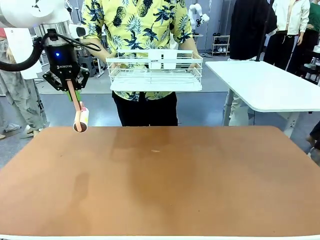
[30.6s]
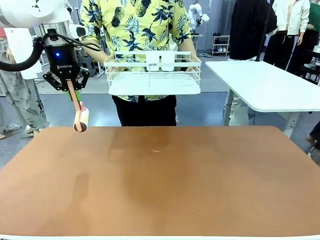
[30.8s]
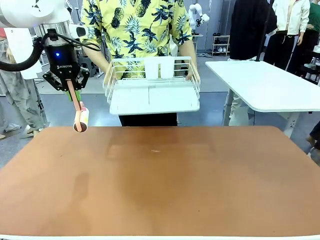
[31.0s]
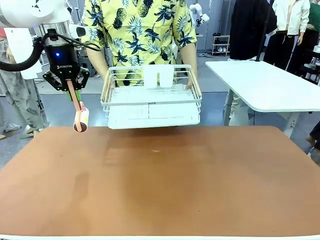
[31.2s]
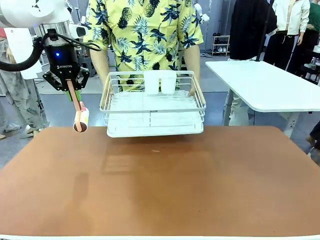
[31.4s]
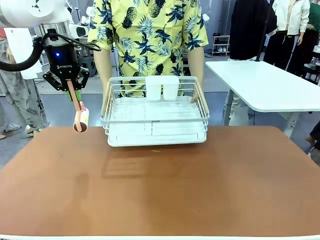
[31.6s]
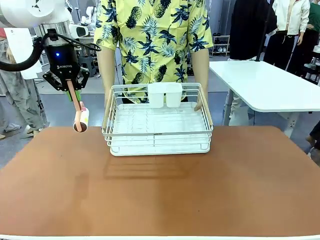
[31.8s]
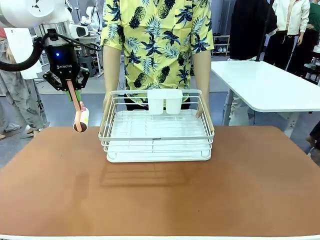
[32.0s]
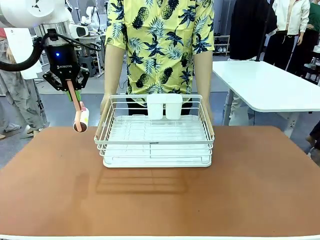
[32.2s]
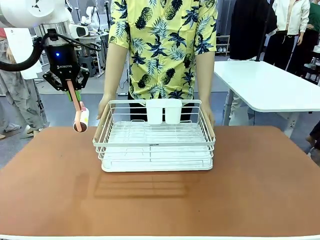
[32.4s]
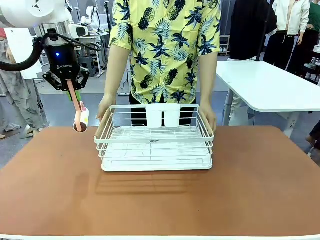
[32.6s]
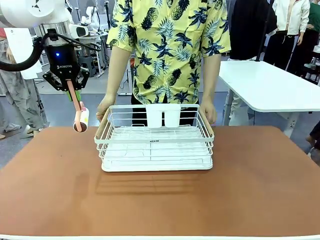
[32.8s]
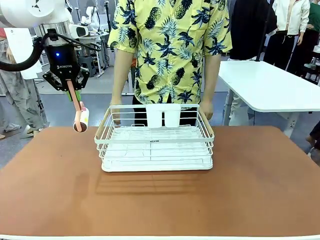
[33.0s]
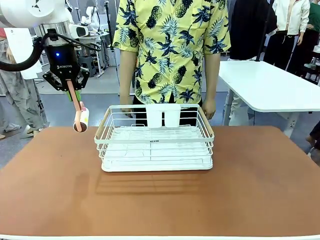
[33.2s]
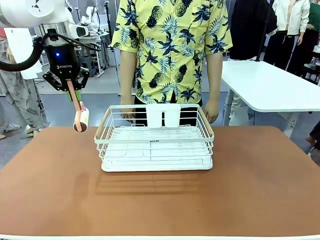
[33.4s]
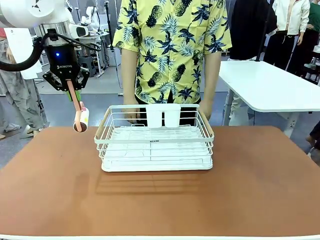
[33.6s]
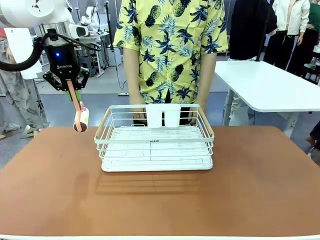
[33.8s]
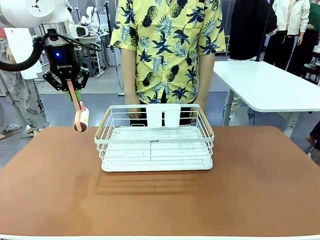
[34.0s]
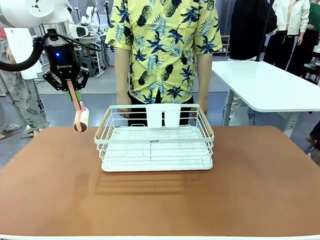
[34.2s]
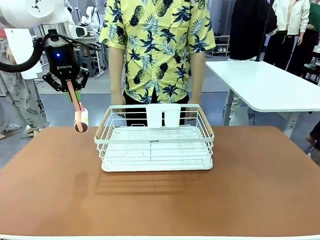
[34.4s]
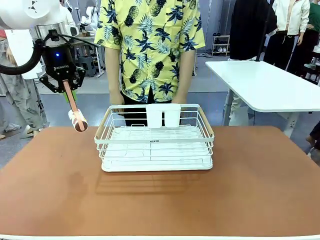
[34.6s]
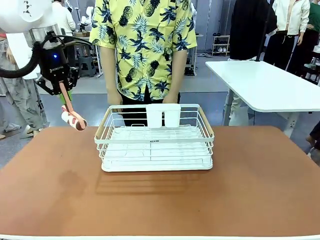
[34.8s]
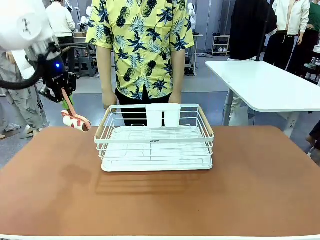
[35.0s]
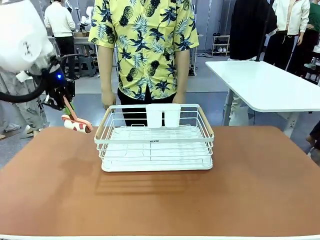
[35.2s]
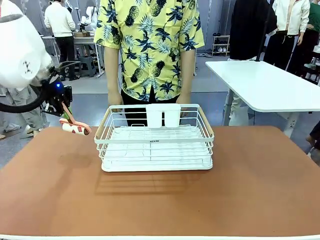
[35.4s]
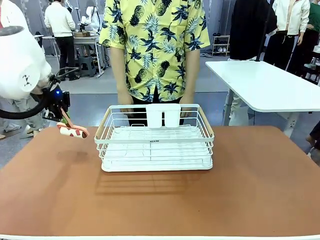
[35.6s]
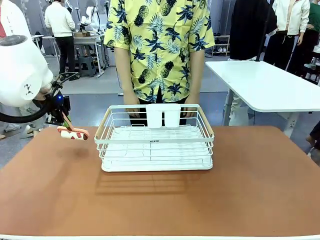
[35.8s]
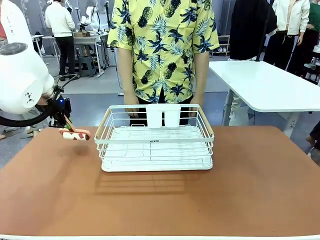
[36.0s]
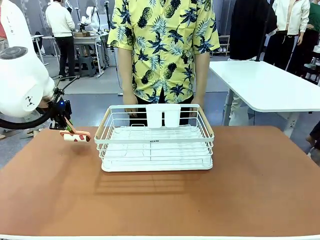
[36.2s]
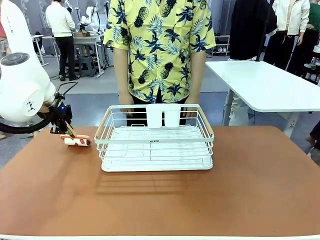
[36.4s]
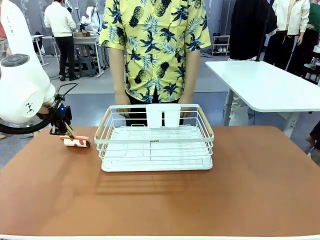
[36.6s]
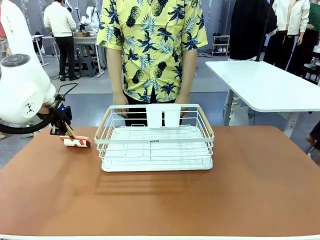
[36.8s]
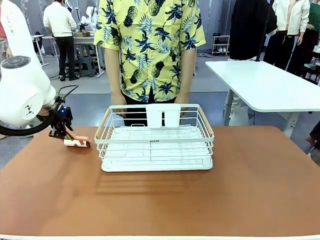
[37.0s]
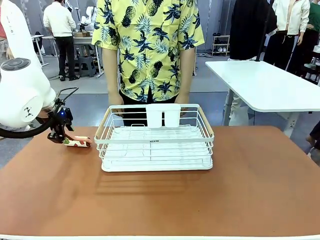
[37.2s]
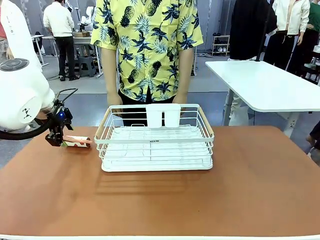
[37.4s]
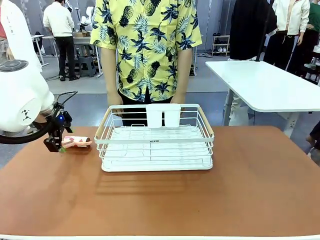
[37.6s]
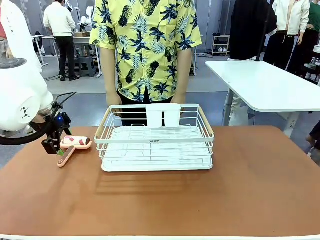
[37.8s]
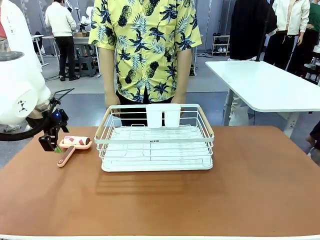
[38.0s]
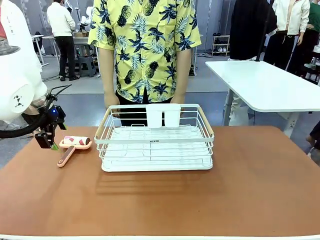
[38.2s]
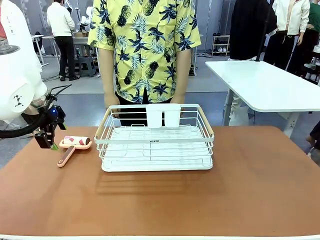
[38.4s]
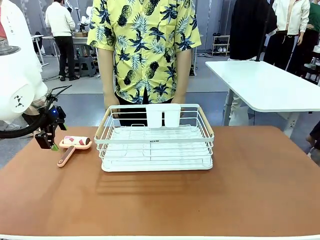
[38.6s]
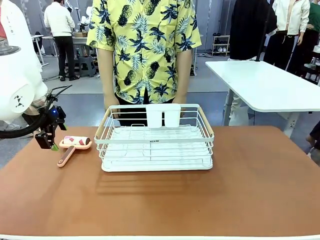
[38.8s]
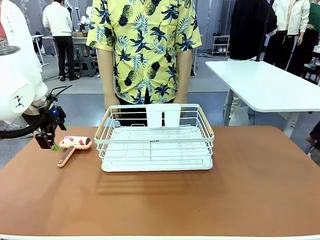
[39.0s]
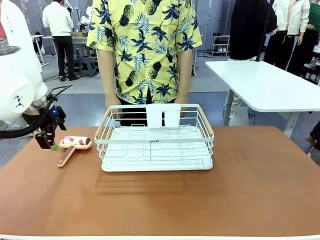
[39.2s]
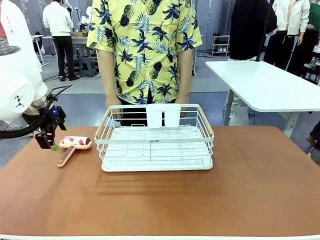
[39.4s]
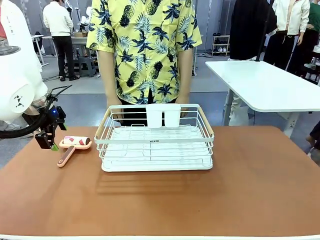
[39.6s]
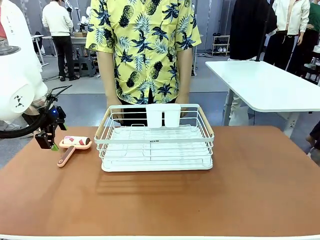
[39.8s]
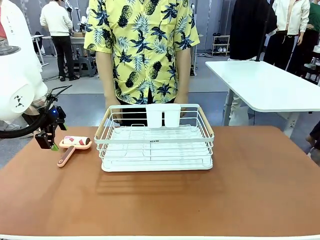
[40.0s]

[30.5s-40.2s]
Task: Clean the table.
Robot: Place the Lint Roller down when the Dish drying rack is positioned in the middle of the table.

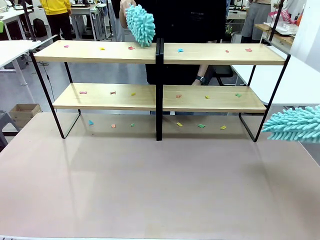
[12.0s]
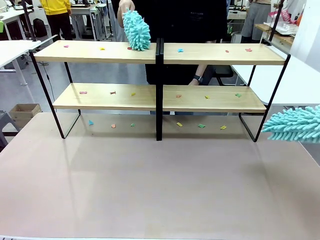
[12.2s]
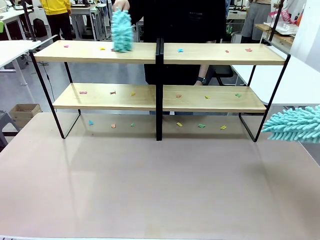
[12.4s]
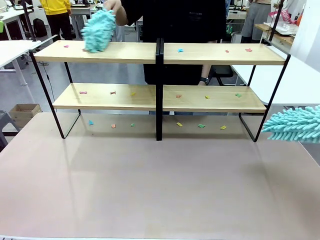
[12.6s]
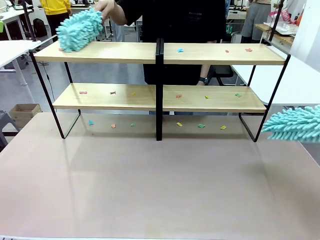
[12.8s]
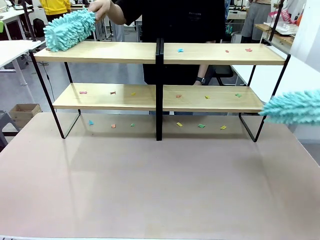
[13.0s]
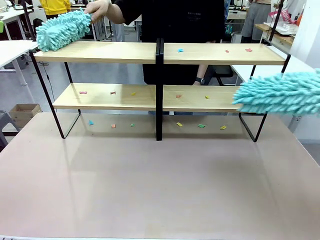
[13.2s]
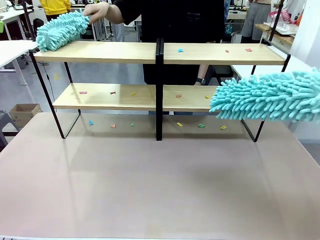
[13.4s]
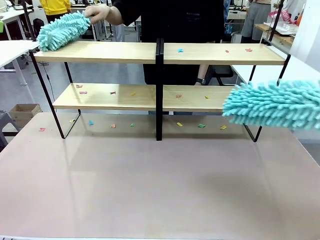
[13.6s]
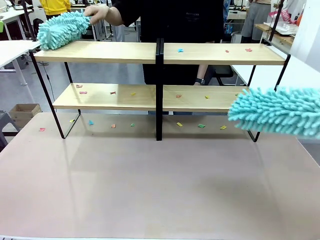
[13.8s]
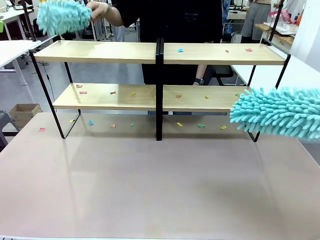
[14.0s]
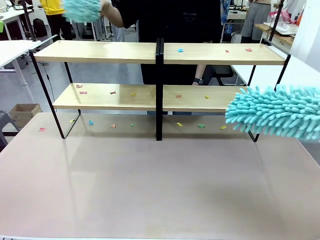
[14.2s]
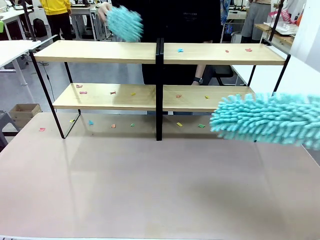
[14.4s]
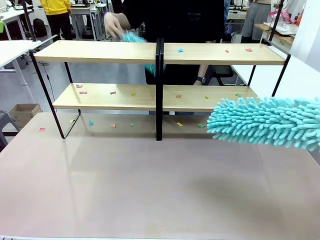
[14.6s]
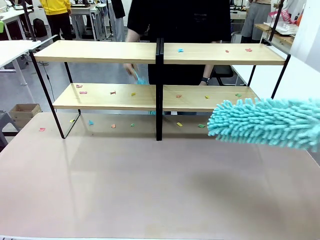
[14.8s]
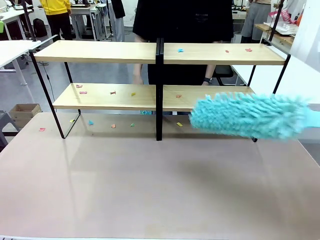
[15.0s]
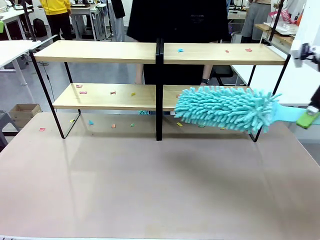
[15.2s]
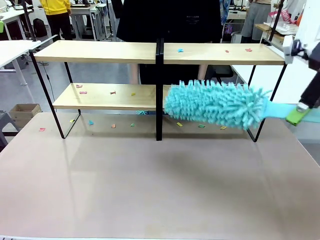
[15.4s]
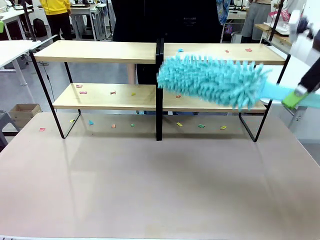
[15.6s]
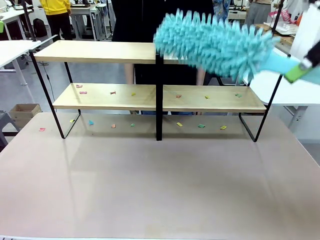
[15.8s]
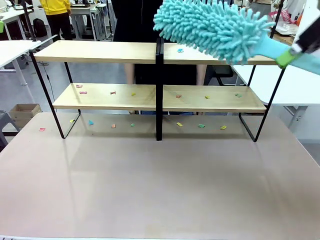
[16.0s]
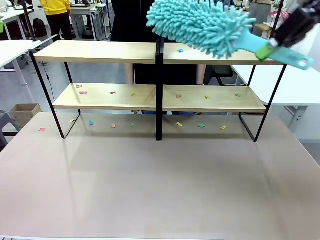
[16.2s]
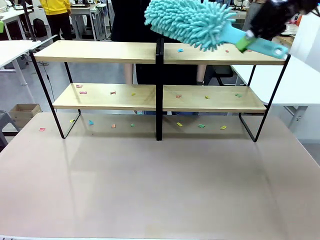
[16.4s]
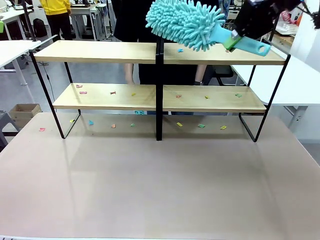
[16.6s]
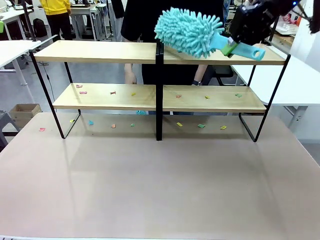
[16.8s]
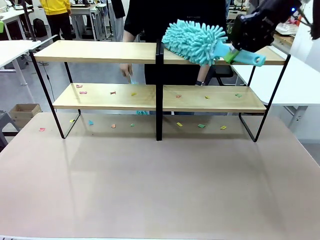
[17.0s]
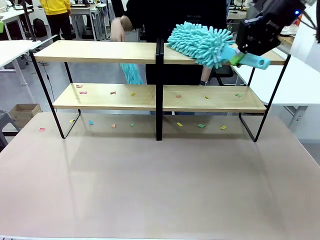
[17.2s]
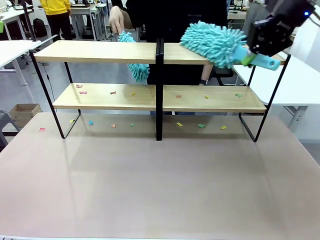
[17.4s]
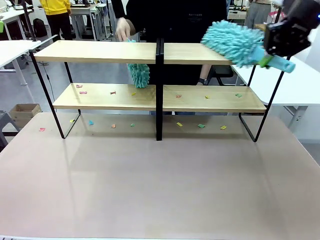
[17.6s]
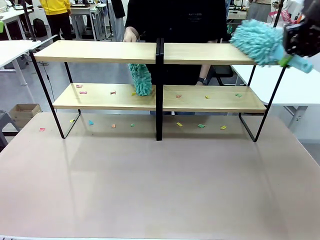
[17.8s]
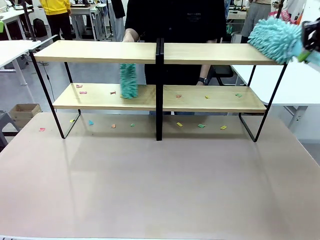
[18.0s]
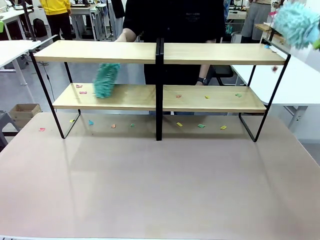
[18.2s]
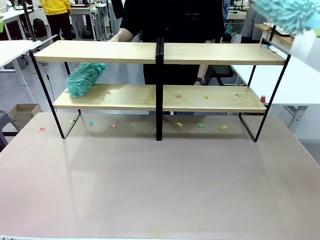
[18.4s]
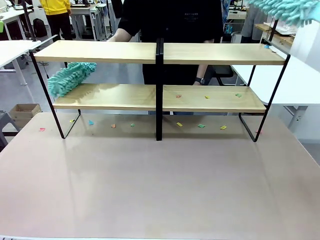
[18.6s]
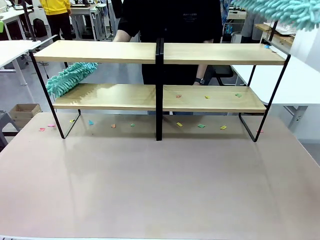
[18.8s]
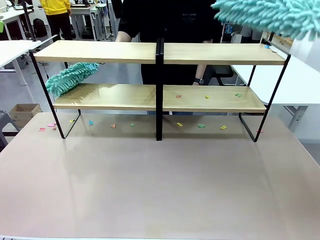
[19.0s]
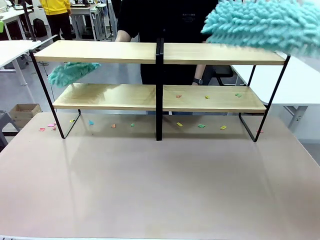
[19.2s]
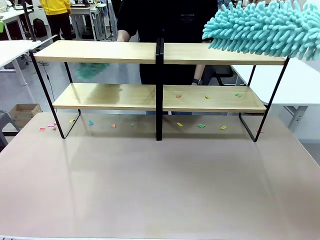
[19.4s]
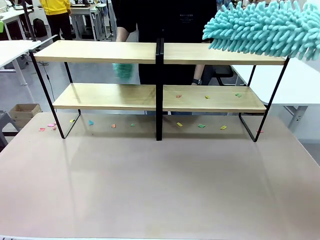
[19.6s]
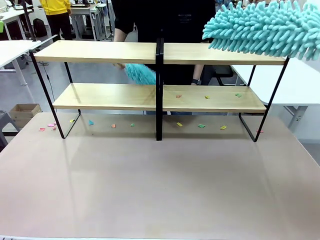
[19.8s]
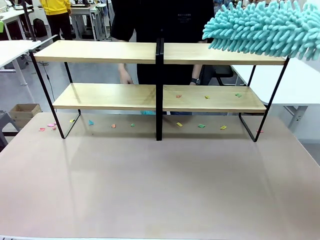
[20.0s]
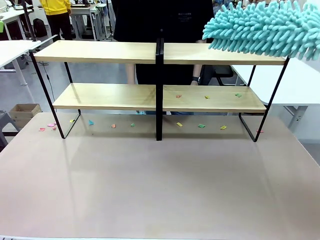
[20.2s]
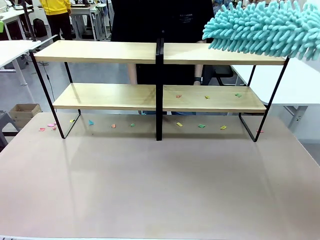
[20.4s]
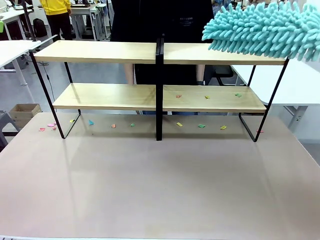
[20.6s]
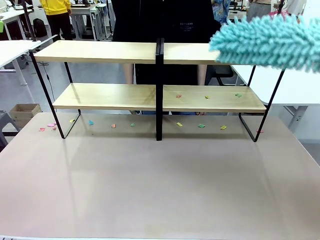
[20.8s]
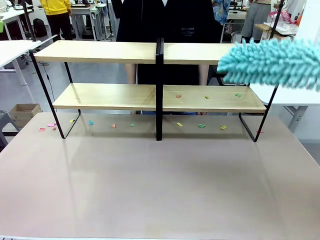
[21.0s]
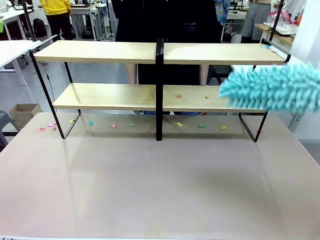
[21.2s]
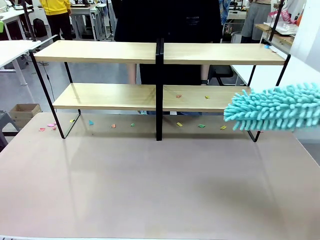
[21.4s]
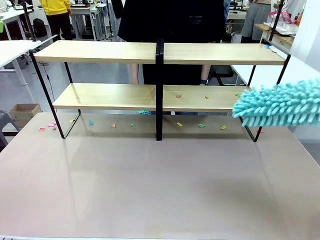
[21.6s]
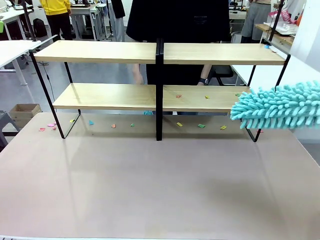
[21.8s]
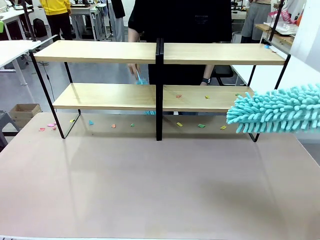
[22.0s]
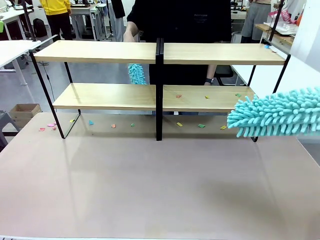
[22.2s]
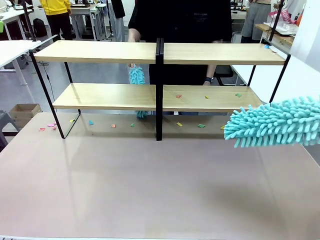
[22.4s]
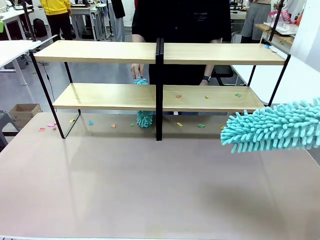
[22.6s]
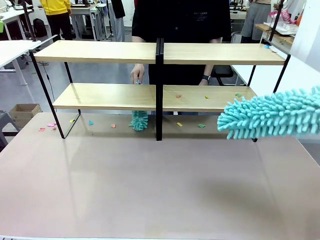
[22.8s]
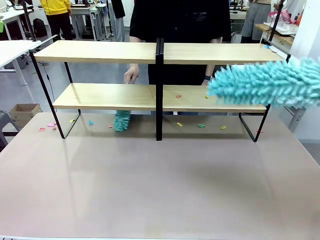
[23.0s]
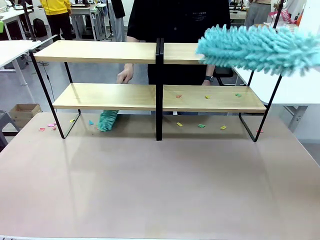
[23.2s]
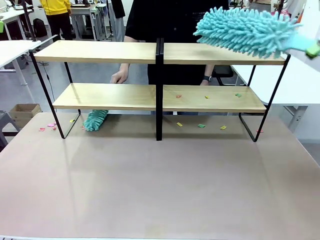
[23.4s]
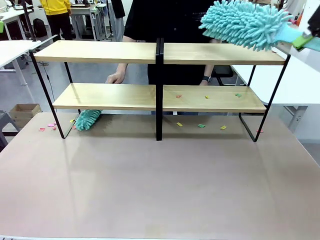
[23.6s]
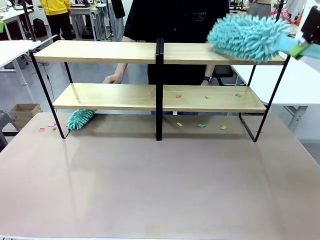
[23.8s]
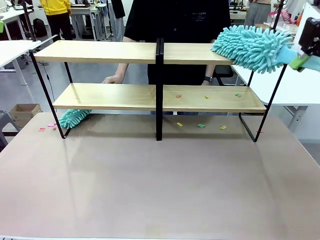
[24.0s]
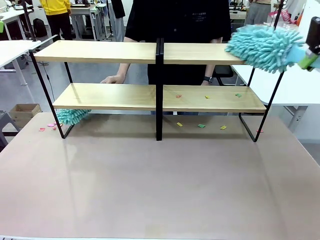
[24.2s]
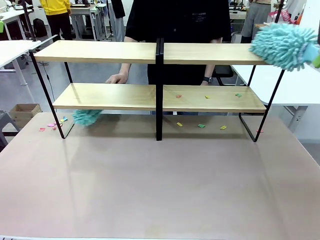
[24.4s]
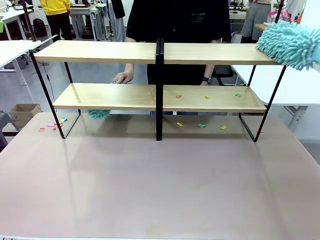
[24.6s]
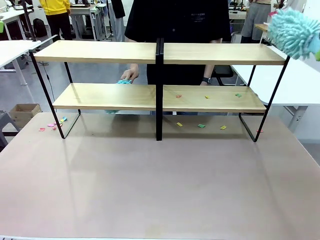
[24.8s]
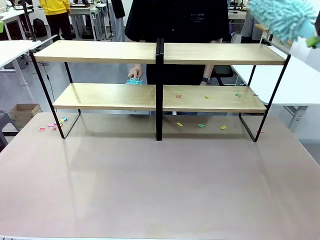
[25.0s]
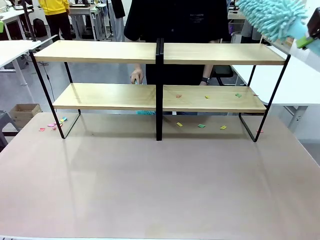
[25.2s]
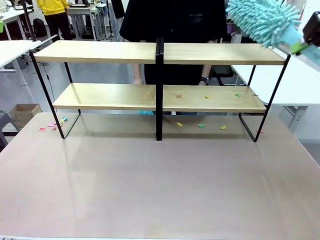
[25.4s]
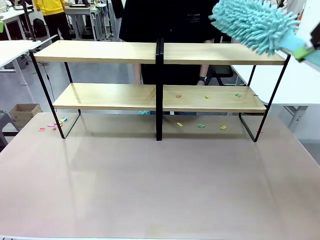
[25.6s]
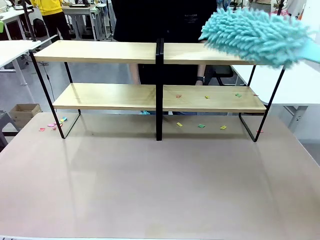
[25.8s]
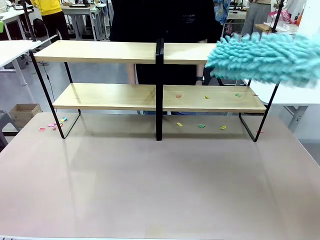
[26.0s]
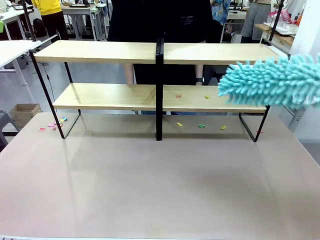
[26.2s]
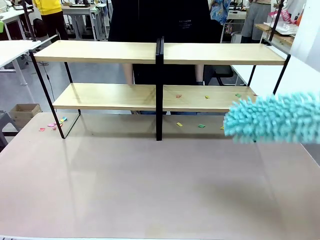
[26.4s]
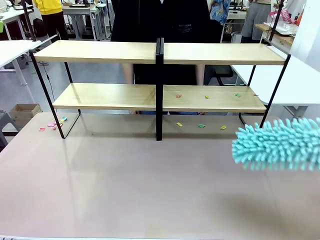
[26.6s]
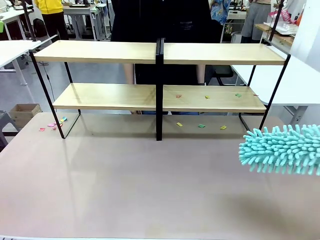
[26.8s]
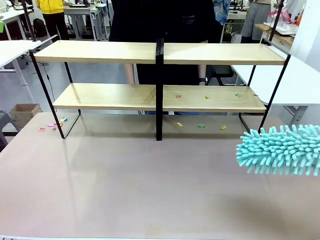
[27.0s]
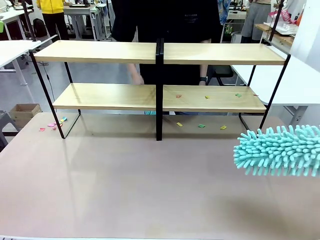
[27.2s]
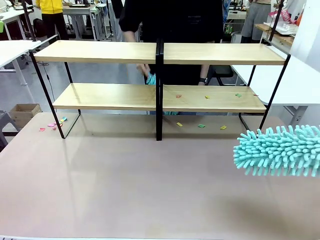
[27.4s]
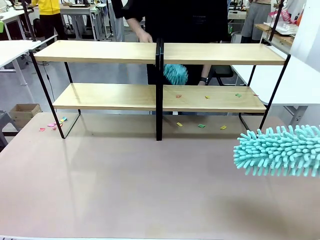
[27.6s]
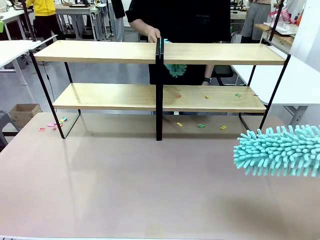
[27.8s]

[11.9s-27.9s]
Task: Clean the shelves.
Robot: Clean a randomly selected level of the Shelf with the Duster.
